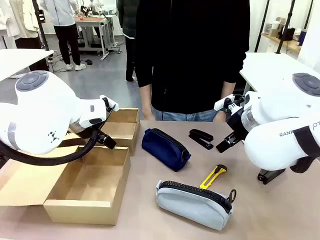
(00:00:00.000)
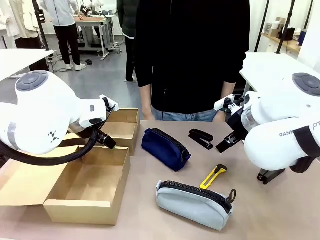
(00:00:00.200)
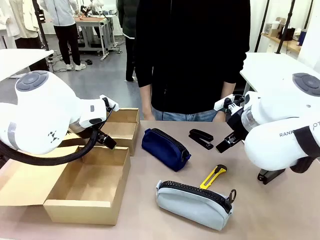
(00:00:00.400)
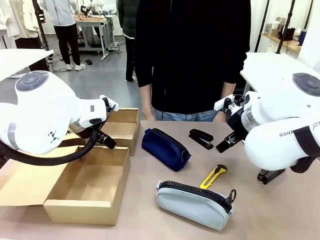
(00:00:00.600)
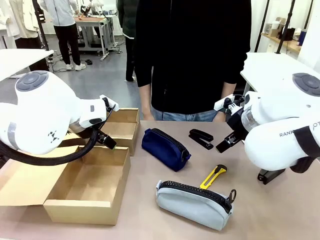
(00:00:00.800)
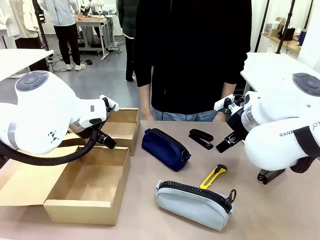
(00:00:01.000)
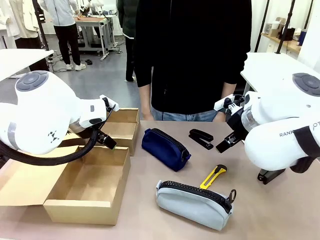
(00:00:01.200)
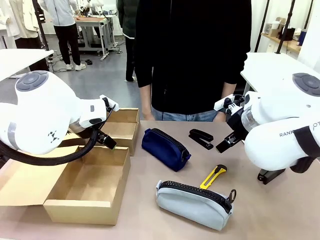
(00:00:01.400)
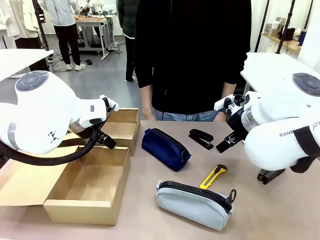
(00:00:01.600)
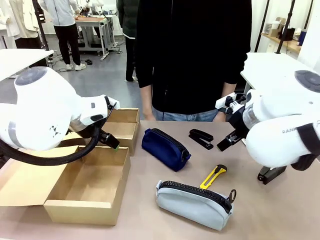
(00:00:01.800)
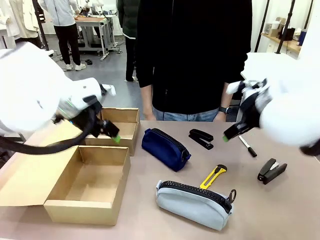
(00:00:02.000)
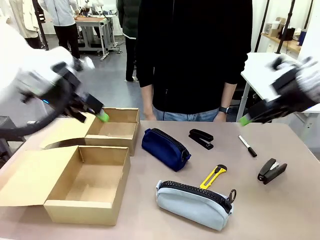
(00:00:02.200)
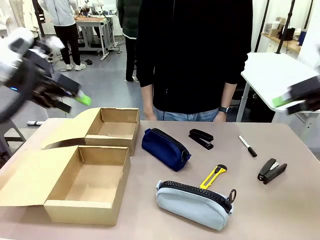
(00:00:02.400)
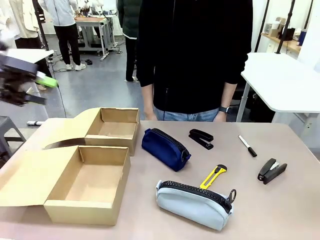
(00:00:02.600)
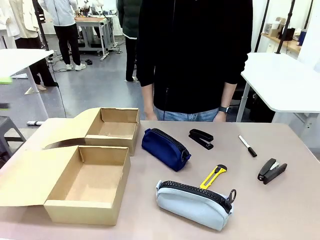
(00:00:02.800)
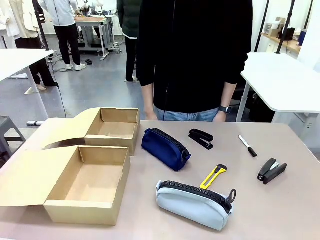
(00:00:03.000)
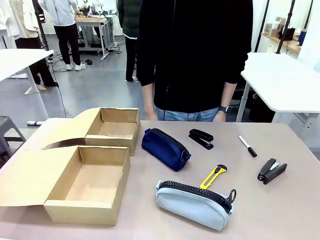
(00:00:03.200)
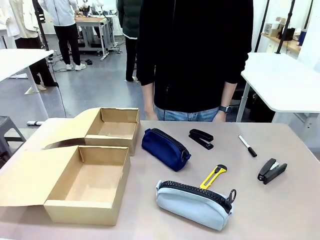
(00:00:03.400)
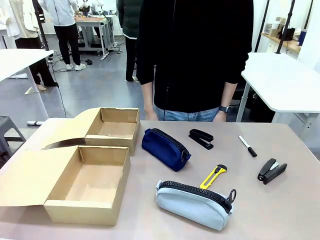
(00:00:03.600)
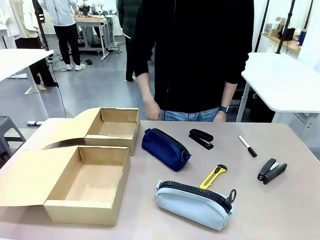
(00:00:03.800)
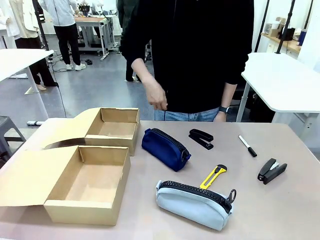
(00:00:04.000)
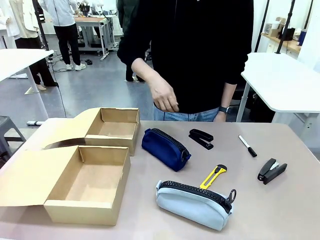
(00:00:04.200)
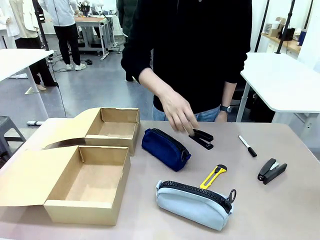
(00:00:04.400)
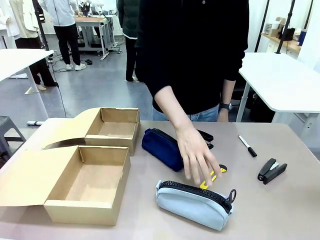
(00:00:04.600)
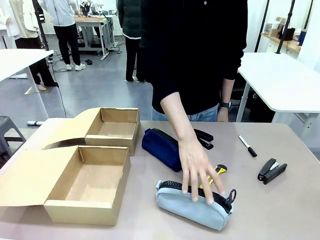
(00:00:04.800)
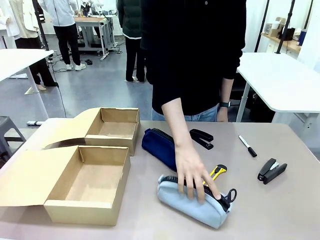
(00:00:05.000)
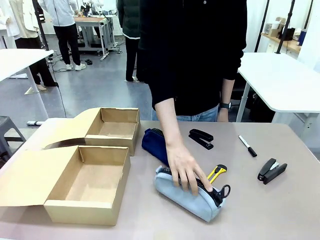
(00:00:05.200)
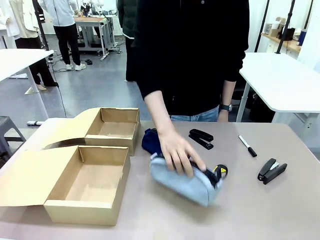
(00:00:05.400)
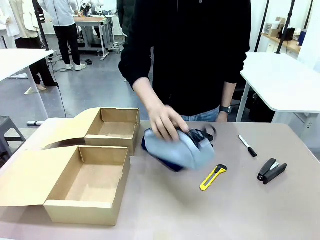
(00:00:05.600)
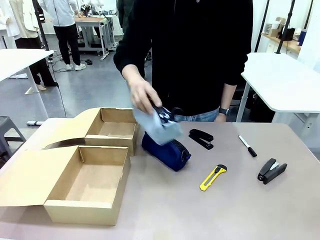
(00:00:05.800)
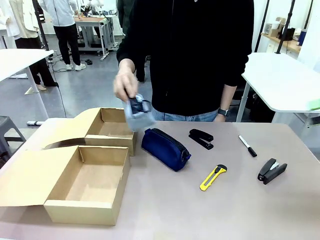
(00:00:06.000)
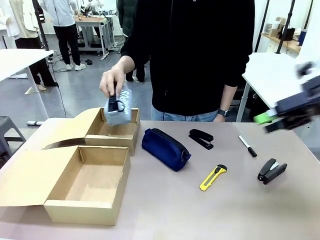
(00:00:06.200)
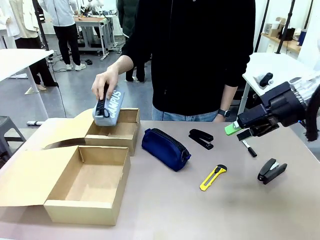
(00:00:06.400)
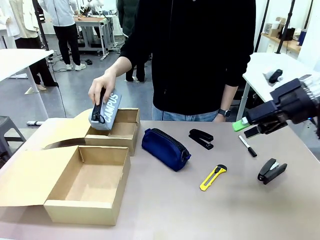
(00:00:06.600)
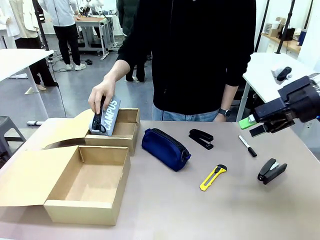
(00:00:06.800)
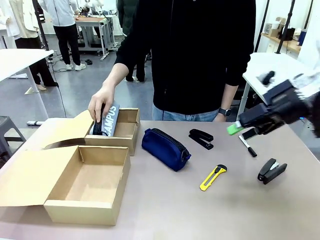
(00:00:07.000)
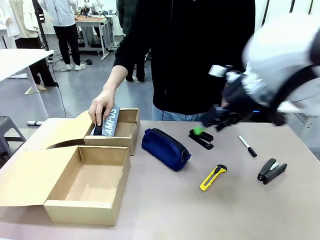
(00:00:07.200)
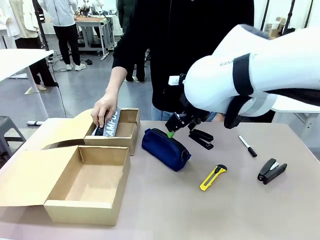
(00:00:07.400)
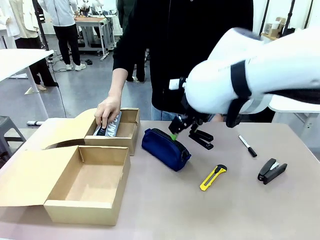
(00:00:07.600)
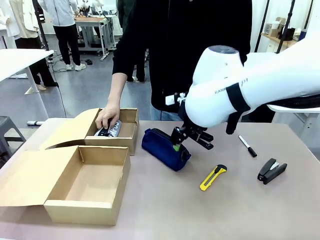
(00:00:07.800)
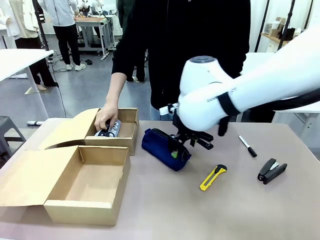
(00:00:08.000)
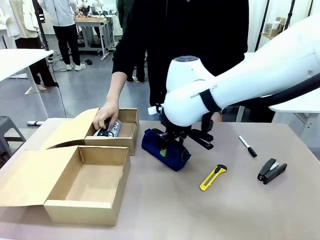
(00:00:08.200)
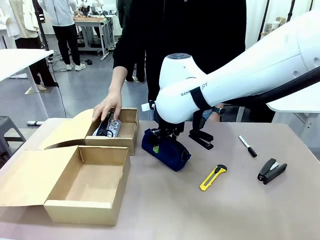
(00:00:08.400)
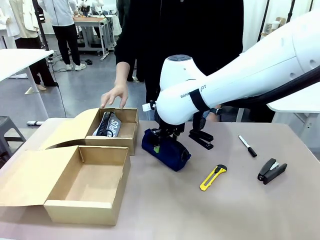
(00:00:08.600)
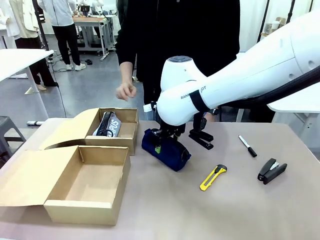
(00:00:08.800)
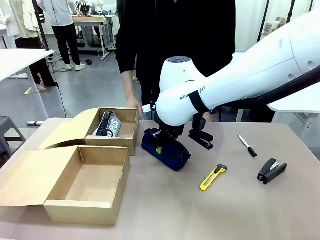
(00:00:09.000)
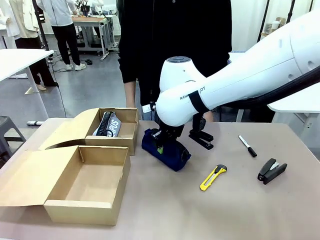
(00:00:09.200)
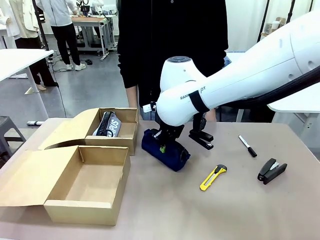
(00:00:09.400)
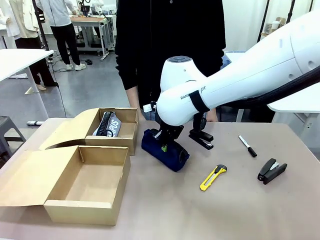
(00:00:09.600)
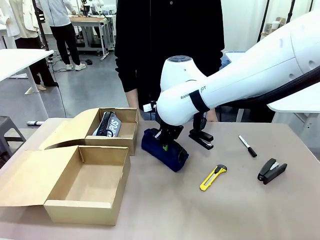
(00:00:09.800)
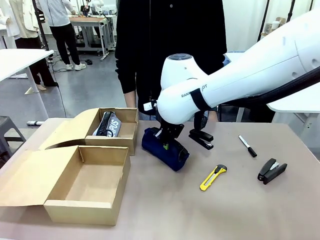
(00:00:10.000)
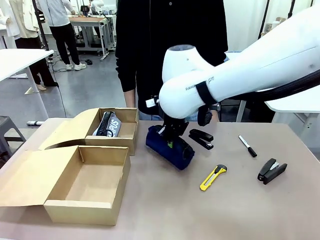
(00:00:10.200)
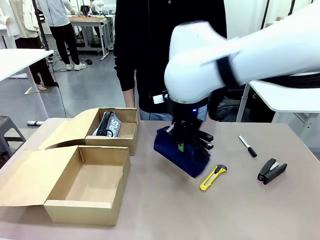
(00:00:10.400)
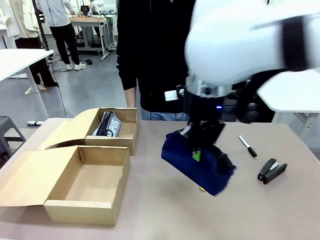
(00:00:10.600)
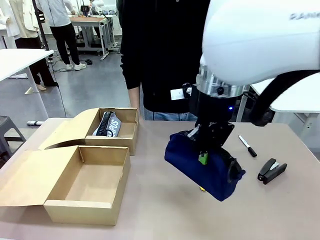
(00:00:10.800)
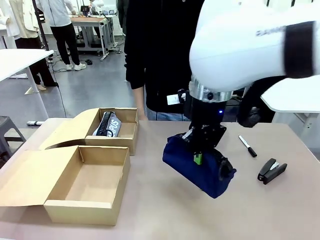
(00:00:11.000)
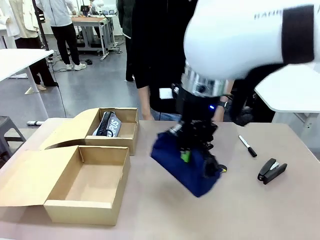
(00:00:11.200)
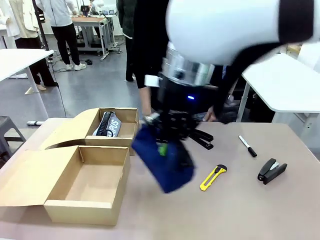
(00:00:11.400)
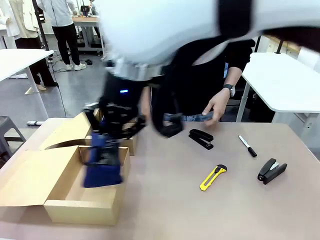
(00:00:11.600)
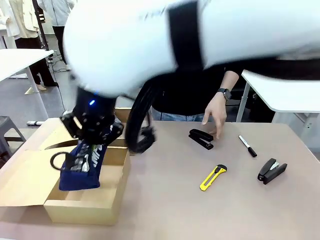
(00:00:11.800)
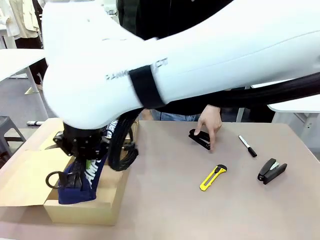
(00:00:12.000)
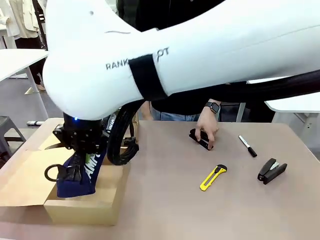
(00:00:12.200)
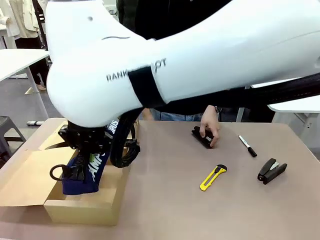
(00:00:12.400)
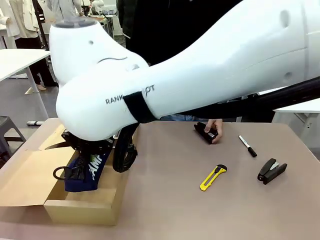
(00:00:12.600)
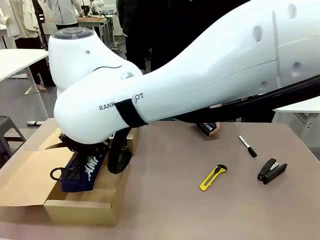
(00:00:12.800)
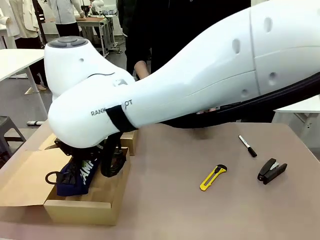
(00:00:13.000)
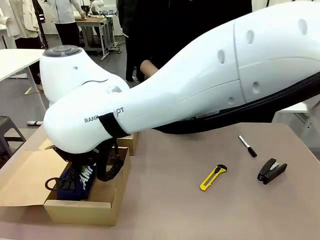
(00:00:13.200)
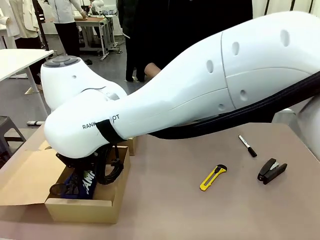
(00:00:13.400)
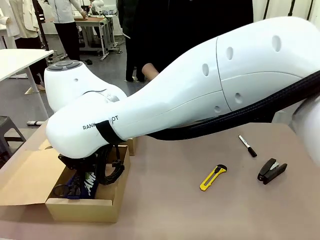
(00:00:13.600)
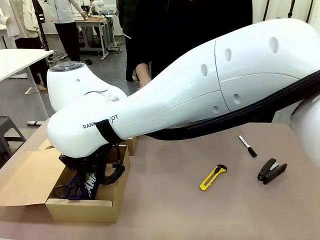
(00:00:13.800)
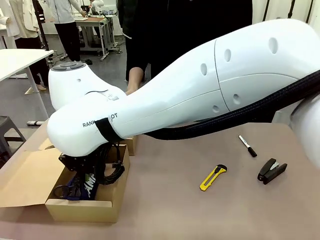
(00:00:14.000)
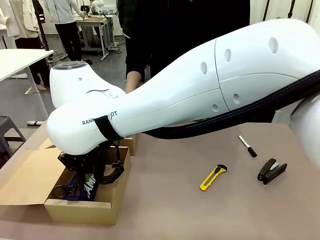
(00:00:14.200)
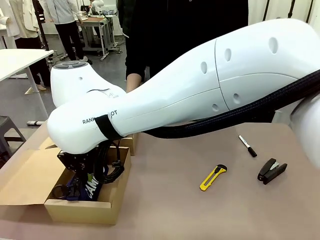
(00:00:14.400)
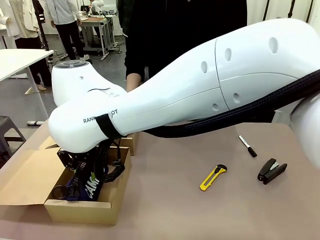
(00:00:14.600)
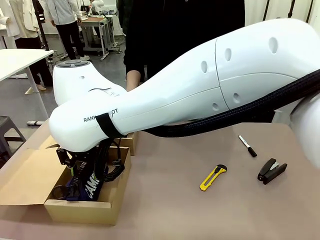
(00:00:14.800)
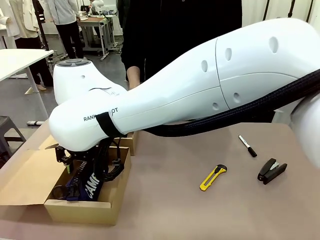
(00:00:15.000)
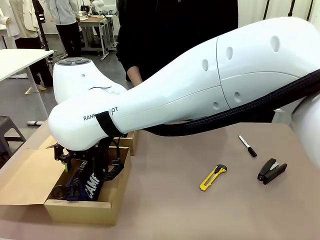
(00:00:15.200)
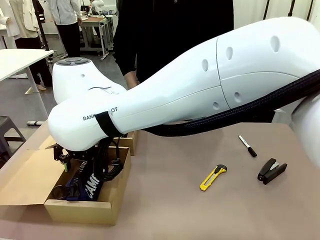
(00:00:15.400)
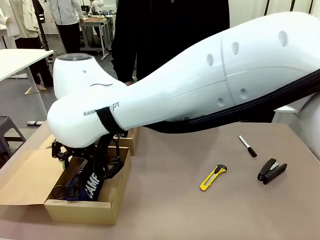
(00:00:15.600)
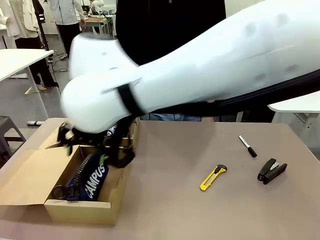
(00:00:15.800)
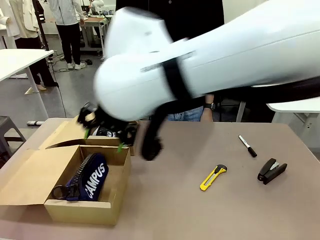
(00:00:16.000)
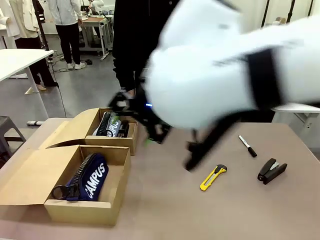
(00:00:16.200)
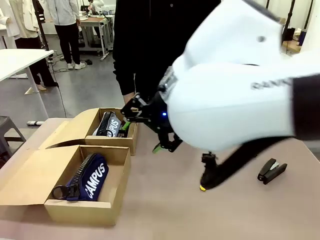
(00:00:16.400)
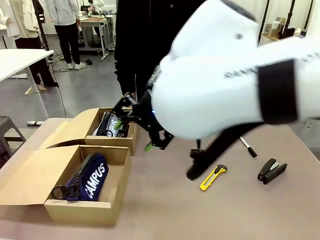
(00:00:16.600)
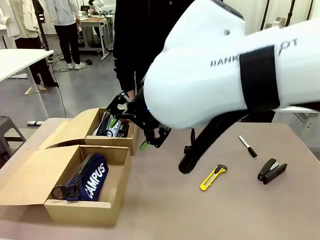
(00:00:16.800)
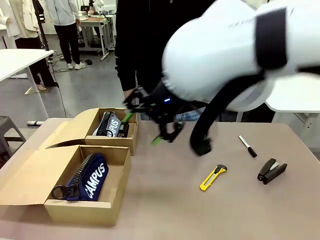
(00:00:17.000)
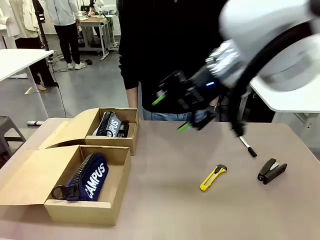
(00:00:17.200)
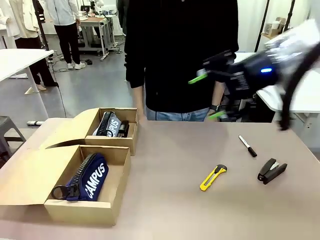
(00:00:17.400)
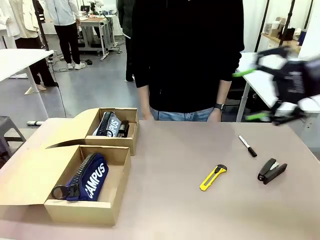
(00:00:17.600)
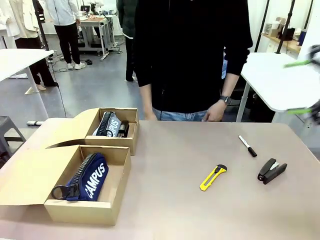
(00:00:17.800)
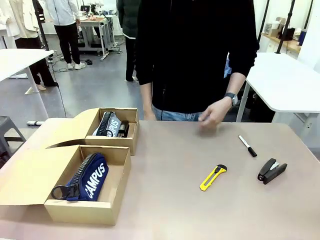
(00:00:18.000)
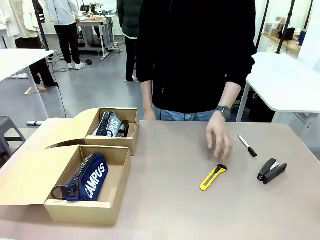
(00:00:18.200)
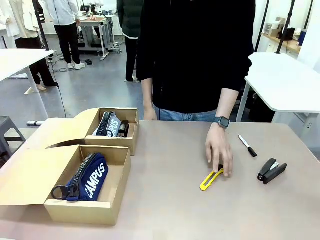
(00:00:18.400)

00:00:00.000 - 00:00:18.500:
Task: Place items inside the box.
Robot: Pick up a Pencil pouch or Stapler and place it inside the Mailer Box closest to the robot.
Person: Pick up an object on the table and put it in the box.
